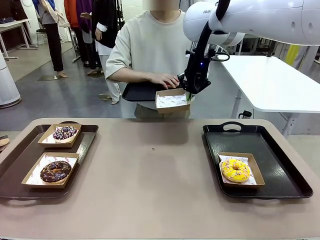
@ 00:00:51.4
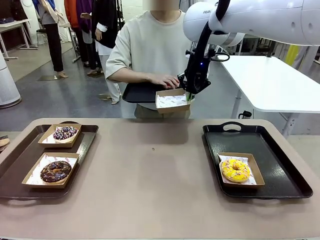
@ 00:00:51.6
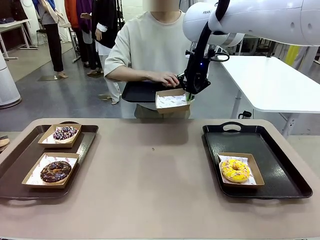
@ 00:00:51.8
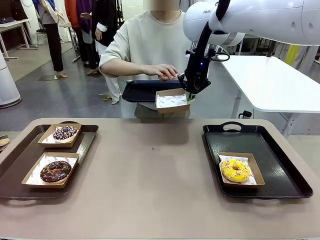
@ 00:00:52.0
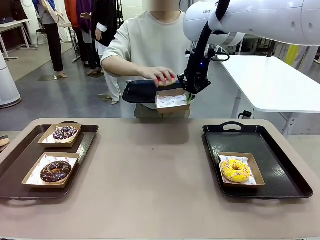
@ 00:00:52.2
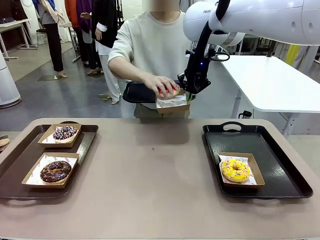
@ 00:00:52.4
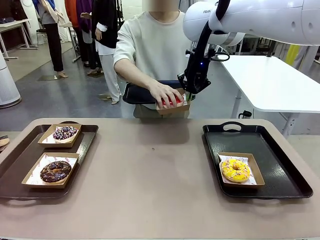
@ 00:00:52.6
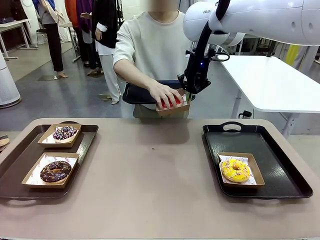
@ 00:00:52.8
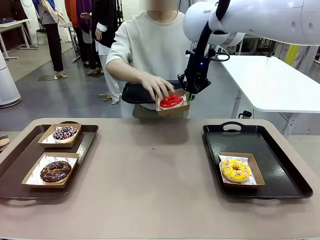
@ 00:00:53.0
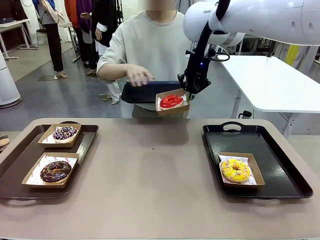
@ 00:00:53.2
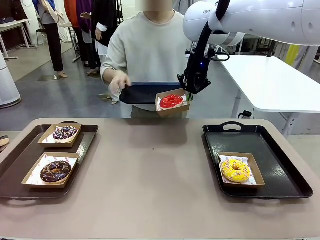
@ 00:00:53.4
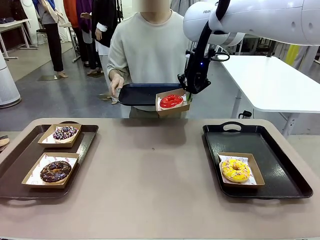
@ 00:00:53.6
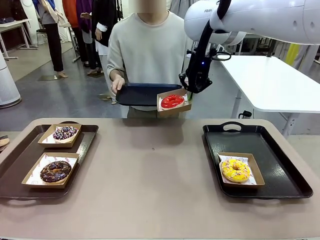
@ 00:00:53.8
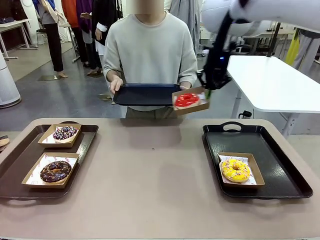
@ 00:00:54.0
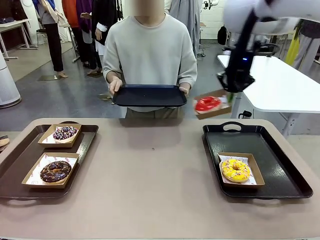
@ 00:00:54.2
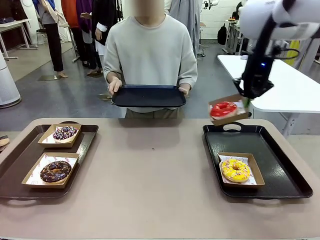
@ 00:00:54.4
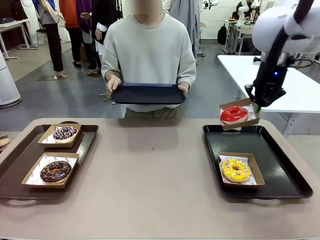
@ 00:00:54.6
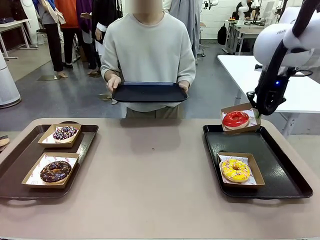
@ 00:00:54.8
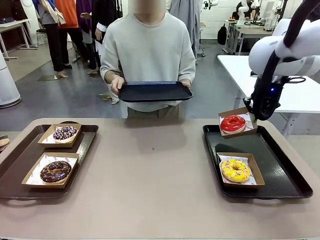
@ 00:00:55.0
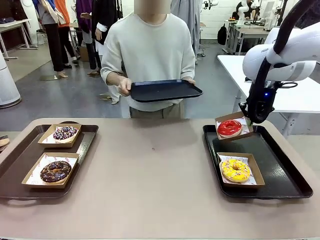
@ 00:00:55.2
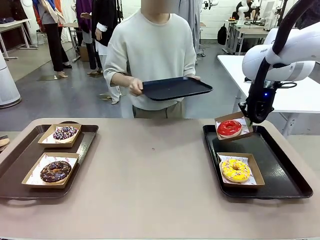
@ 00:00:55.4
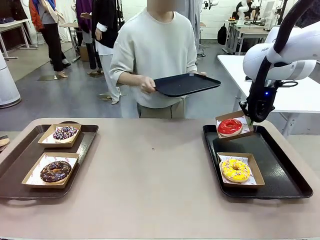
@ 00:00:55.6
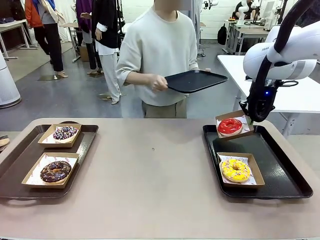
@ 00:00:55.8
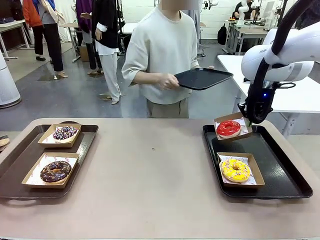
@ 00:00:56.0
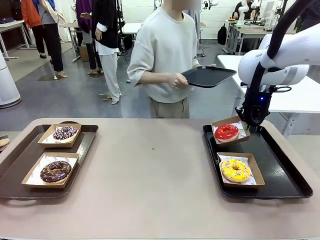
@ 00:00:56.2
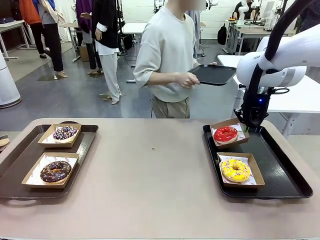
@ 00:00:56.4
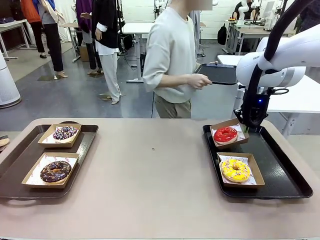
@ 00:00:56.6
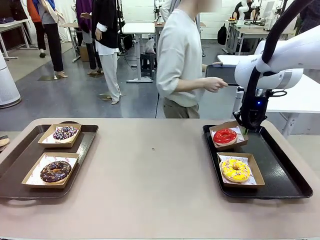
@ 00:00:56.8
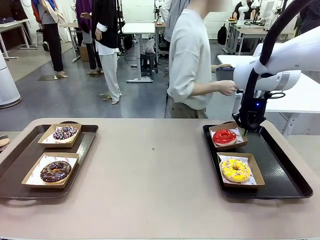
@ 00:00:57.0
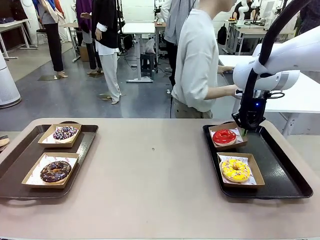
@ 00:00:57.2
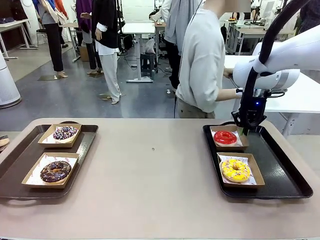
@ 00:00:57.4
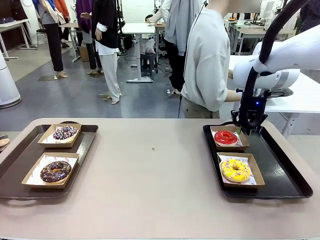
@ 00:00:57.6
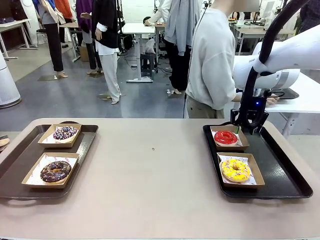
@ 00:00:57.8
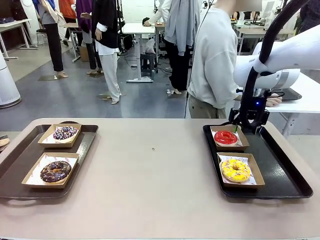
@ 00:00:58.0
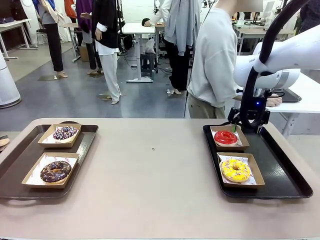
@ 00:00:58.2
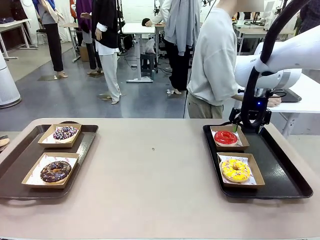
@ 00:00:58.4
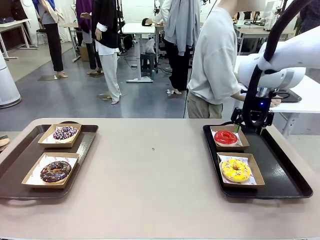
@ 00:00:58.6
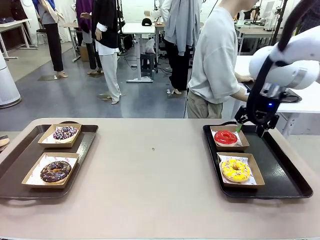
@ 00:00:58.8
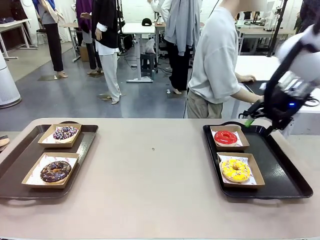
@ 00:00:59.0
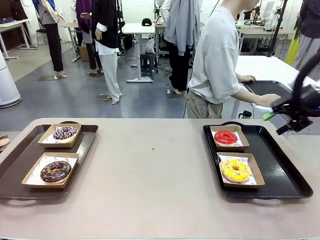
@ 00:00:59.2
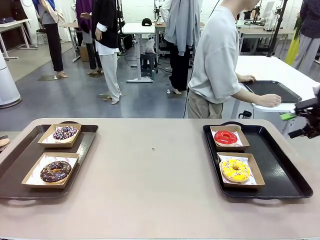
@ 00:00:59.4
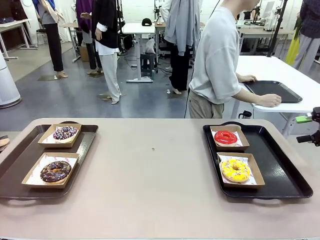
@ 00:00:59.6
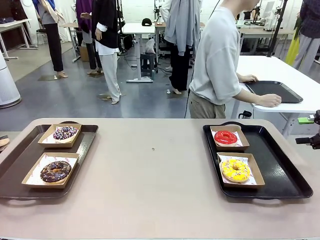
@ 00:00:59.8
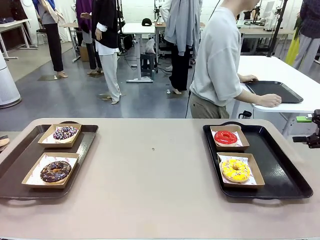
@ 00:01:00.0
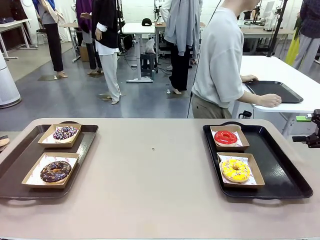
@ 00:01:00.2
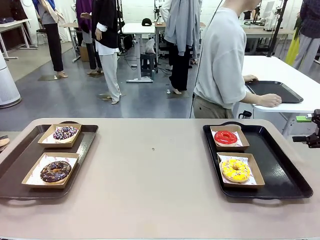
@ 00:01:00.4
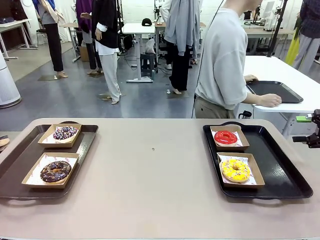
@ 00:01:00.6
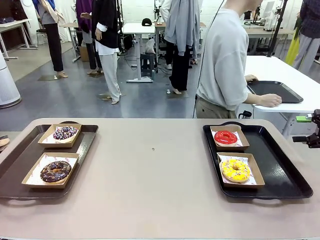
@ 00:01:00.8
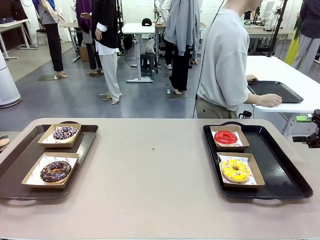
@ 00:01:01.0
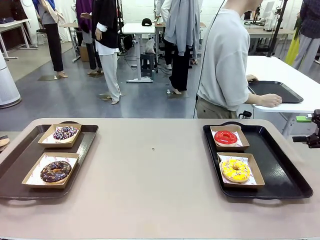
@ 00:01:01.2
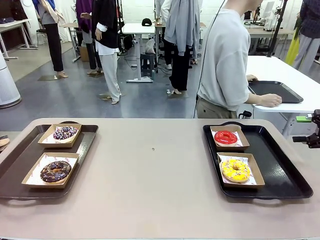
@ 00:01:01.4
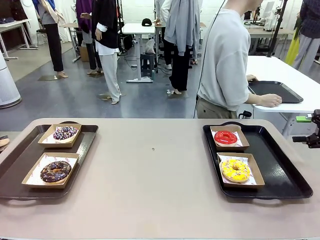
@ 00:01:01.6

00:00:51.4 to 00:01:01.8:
Task: Individually package the donuts and arrange them on the tray.
Robot: Place the picked Paper togo box on the Handle tray.
Person: Place the tray down in the middle of the human table.

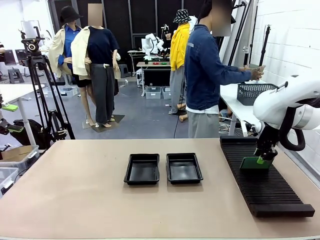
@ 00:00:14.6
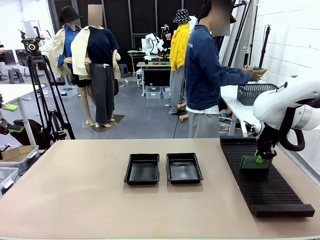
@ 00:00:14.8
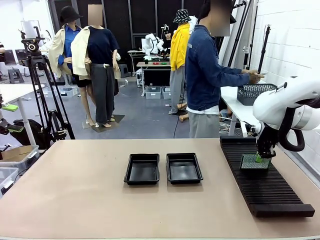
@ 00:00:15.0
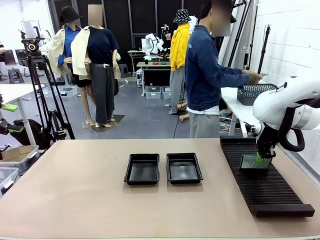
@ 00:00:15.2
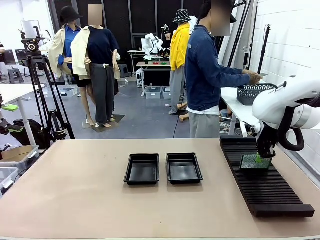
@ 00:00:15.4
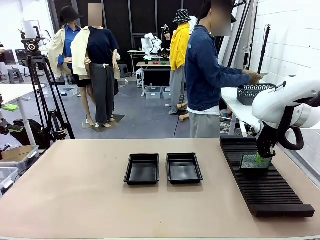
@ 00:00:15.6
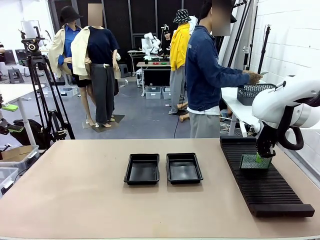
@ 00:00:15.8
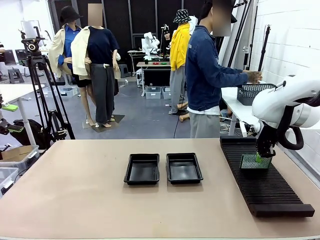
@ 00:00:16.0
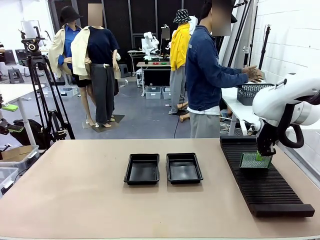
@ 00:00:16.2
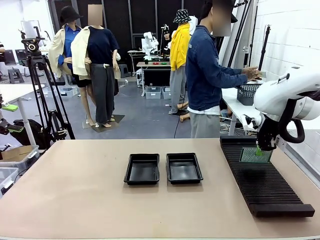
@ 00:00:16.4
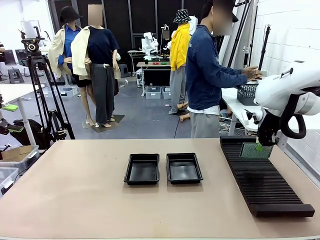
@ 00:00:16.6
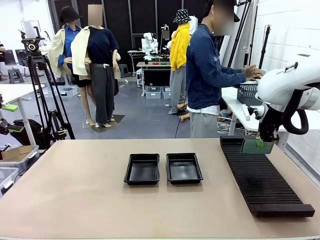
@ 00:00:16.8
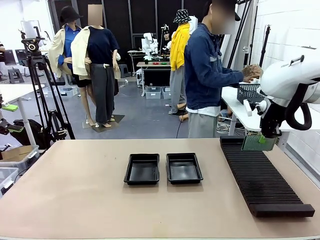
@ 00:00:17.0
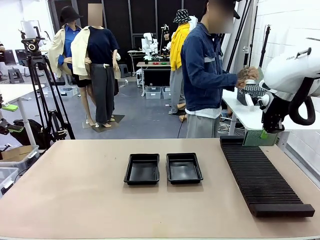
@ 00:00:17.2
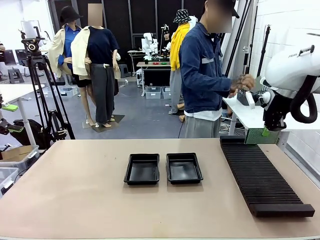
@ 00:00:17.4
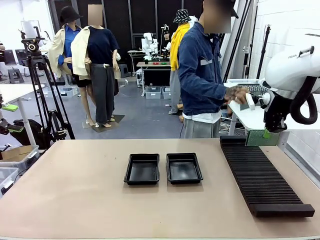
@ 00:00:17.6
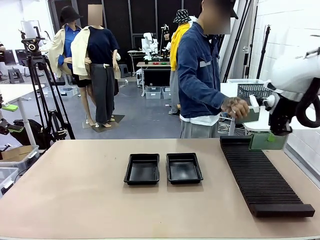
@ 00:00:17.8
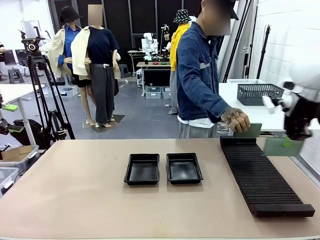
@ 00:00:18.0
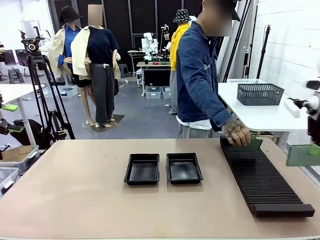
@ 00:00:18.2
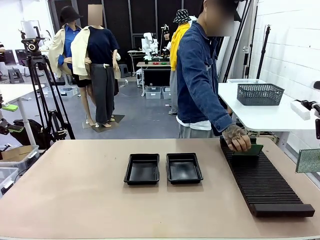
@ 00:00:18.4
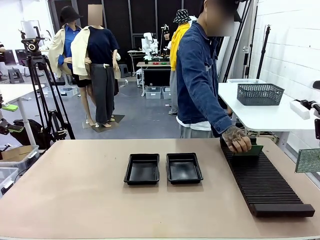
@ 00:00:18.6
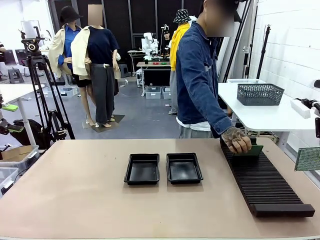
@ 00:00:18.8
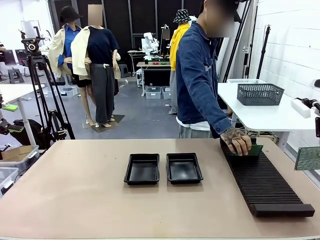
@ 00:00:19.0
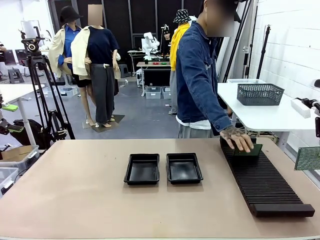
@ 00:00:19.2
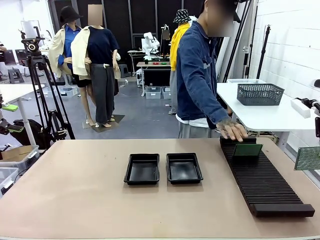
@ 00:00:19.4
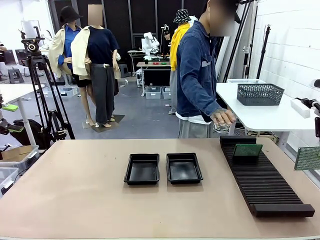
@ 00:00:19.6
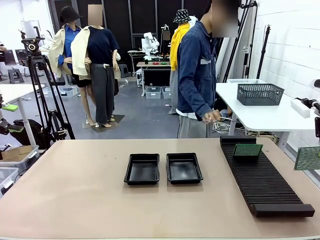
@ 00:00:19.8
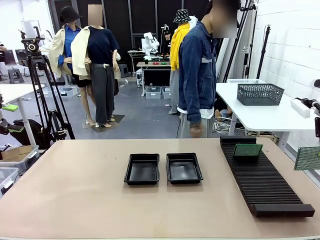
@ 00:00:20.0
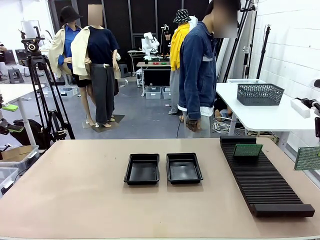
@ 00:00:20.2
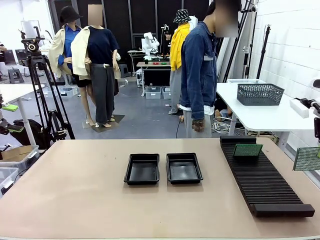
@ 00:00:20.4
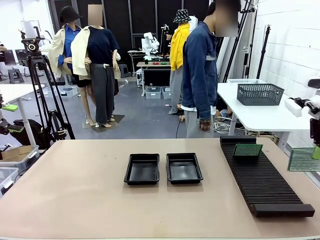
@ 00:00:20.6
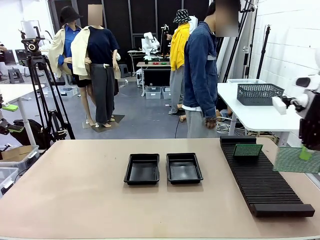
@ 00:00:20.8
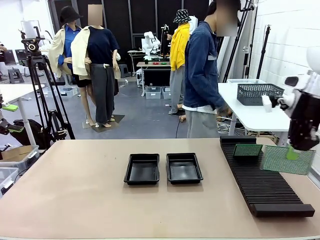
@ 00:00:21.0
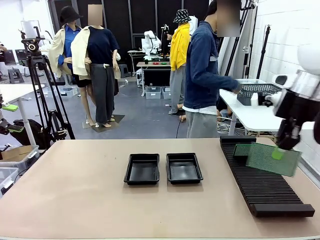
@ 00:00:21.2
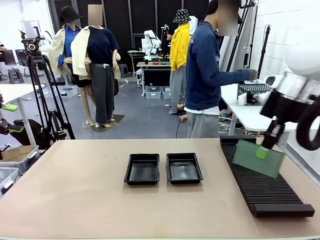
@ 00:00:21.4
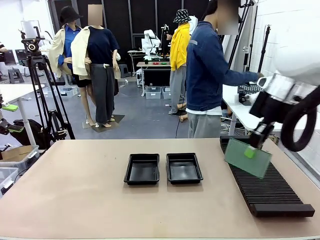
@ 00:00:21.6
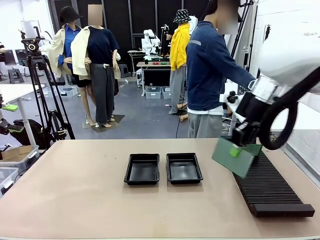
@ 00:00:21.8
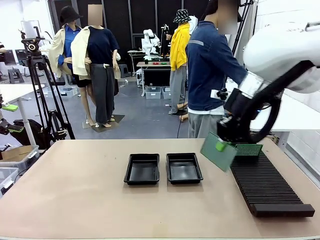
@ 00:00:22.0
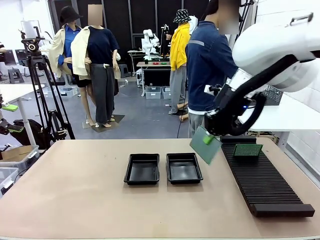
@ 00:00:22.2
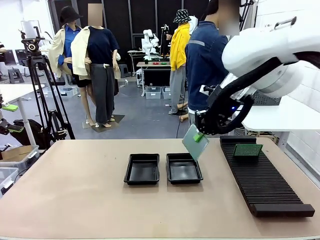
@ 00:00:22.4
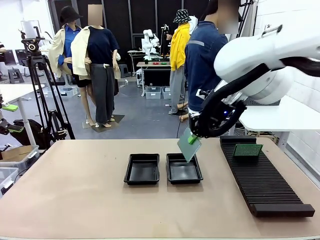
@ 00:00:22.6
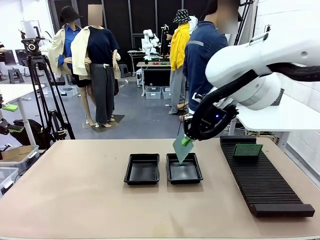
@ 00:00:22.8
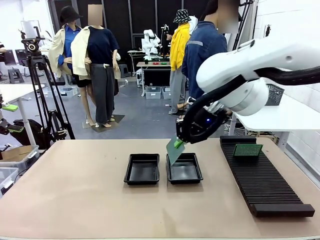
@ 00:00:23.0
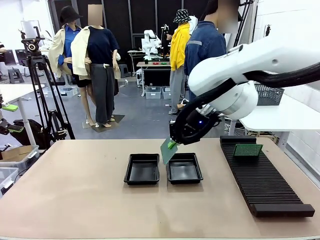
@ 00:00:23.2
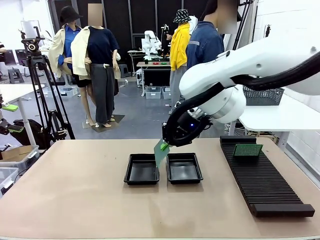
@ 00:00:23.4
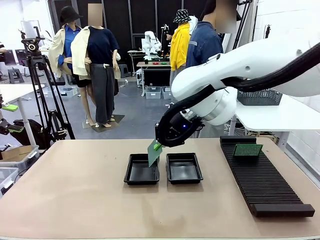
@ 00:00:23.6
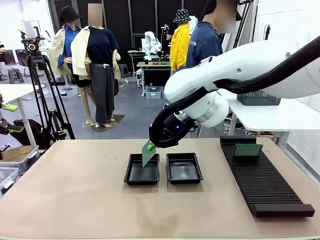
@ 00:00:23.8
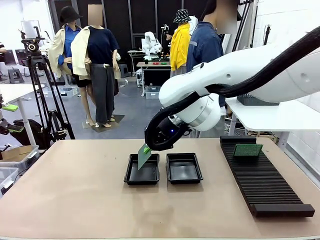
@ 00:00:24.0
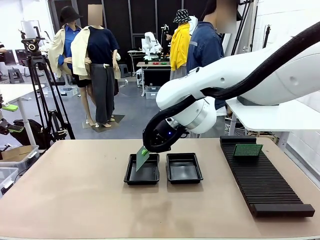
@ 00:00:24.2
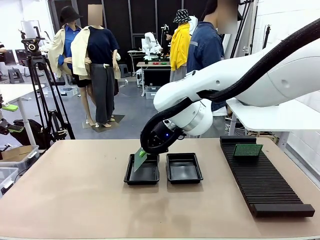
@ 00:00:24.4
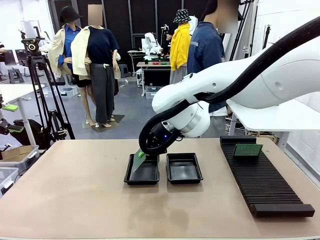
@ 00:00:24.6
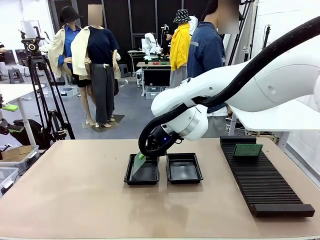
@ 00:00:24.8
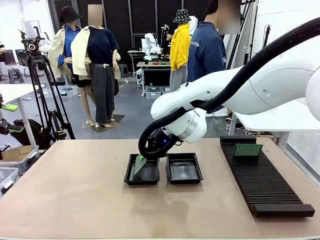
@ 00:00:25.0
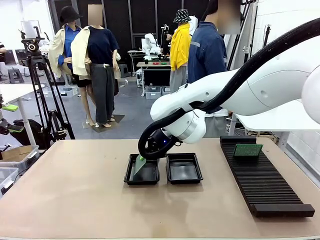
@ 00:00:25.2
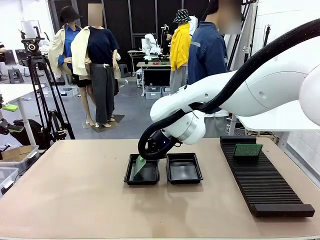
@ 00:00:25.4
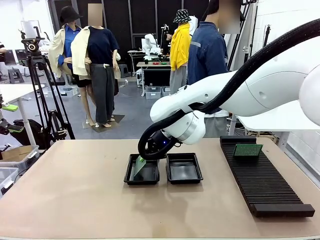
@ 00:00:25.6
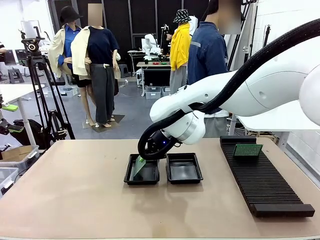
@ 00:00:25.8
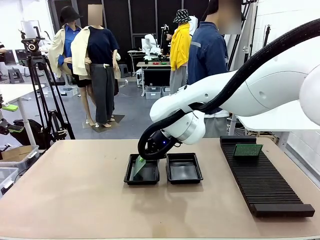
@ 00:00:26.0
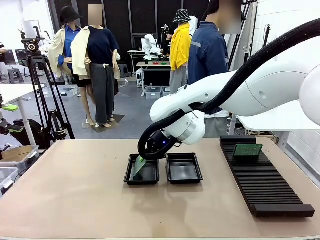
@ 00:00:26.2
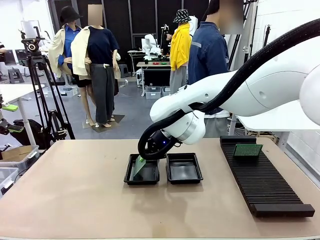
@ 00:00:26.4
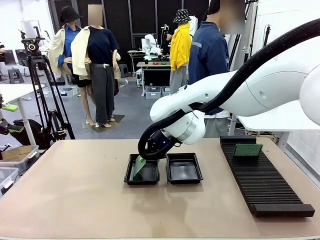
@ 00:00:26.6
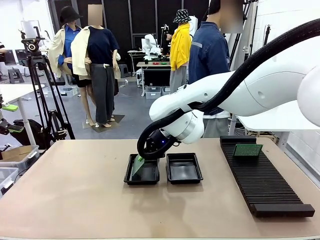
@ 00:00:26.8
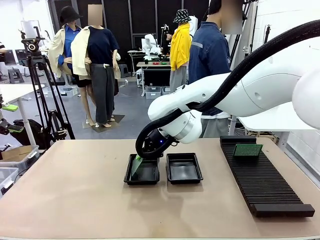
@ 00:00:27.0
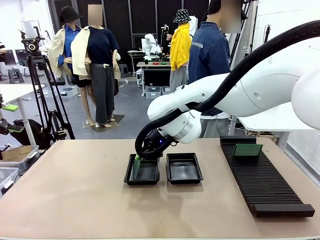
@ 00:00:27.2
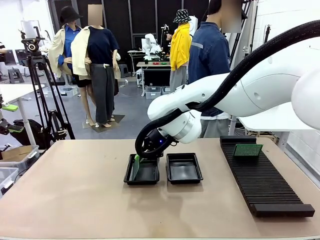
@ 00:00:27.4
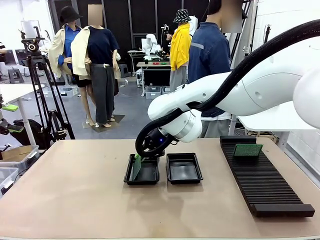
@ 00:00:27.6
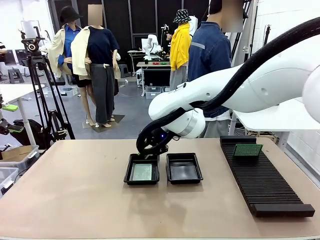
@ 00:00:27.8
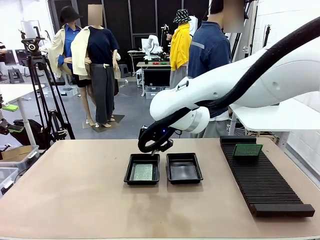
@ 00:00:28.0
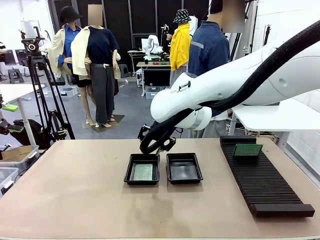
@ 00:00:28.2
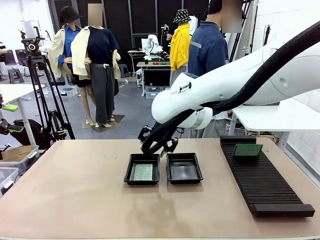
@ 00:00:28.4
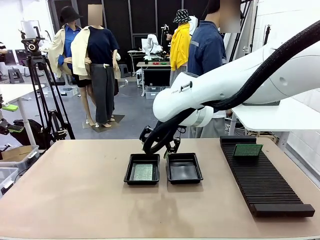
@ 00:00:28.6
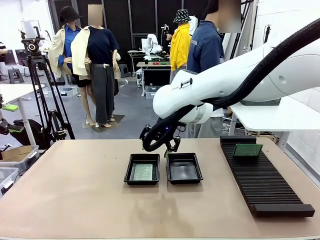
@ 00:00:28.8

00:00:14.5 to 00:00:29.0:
Task: Inspect and transfer BCBs to ESD trays.
Robot: Pick up the Blank PCB from the PCB Rack and place it in the left ESD tray.
